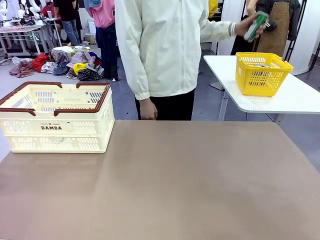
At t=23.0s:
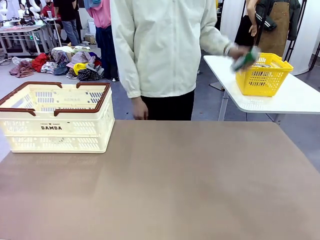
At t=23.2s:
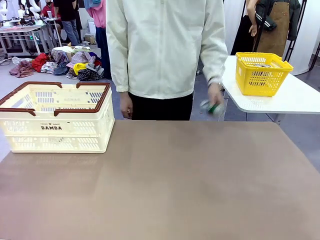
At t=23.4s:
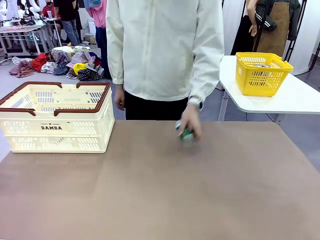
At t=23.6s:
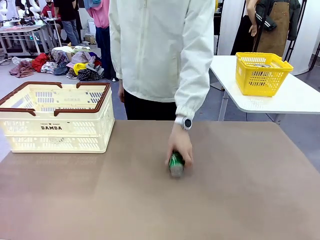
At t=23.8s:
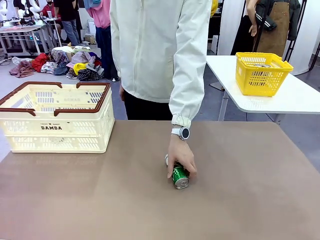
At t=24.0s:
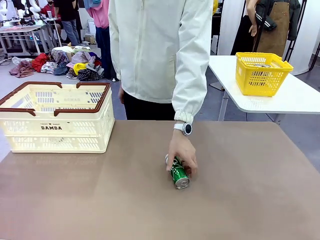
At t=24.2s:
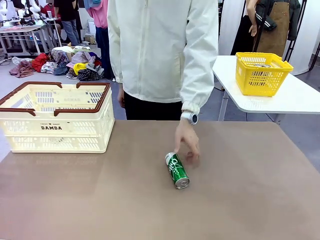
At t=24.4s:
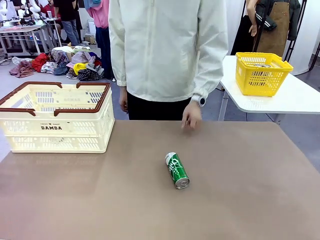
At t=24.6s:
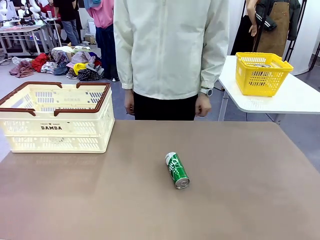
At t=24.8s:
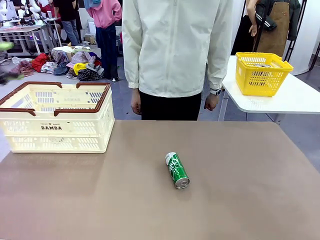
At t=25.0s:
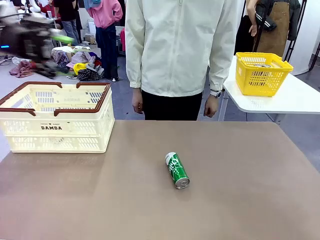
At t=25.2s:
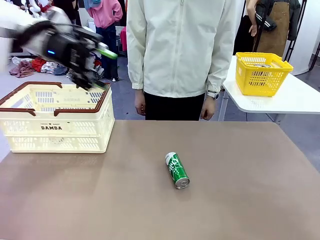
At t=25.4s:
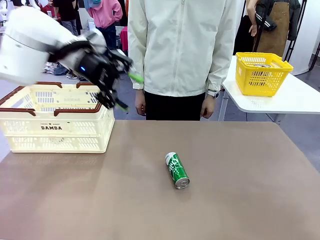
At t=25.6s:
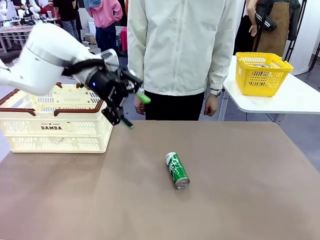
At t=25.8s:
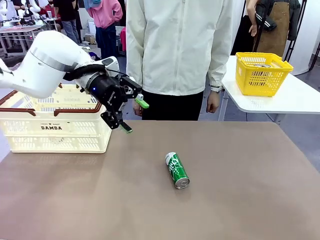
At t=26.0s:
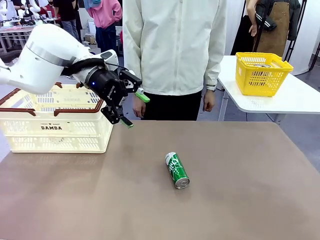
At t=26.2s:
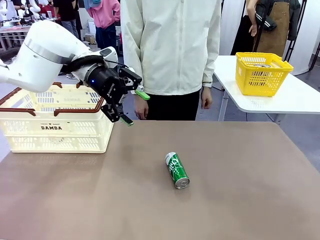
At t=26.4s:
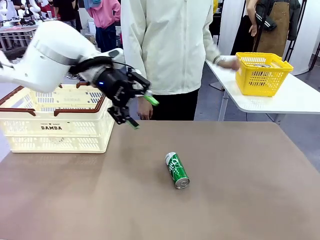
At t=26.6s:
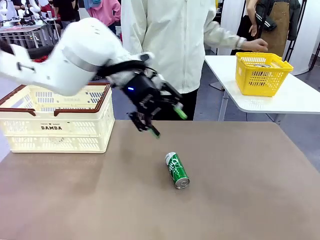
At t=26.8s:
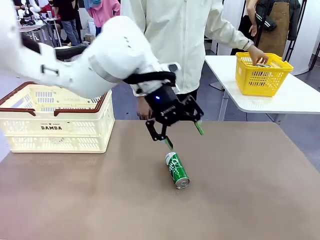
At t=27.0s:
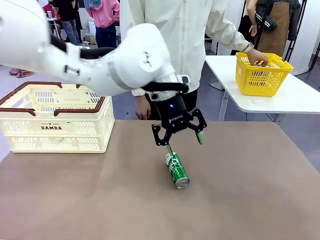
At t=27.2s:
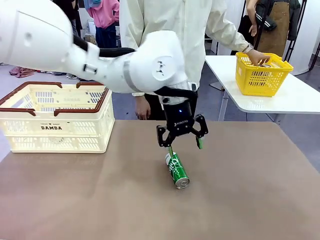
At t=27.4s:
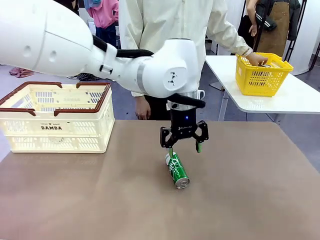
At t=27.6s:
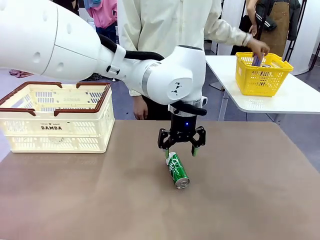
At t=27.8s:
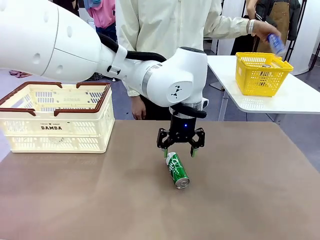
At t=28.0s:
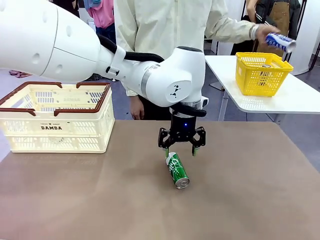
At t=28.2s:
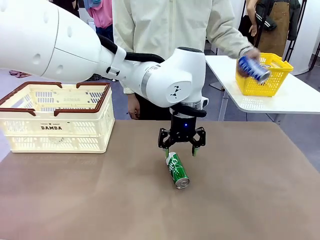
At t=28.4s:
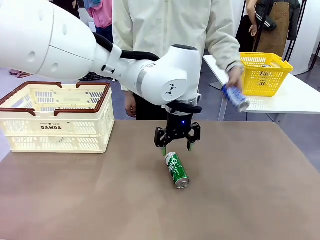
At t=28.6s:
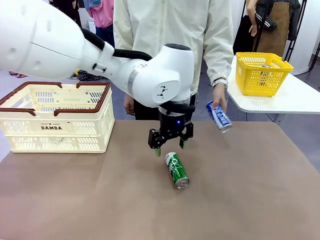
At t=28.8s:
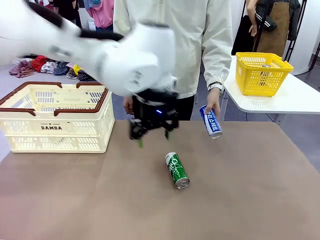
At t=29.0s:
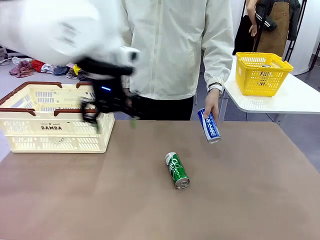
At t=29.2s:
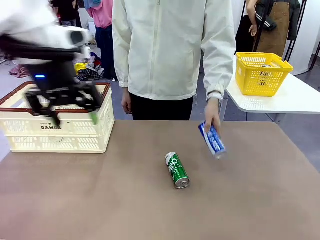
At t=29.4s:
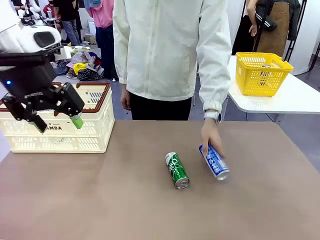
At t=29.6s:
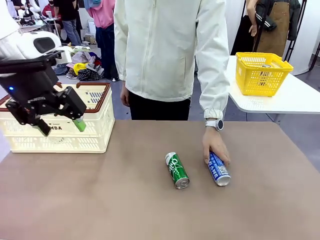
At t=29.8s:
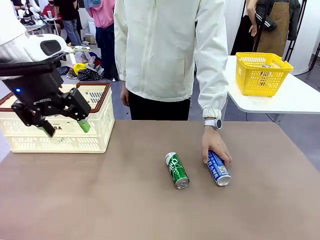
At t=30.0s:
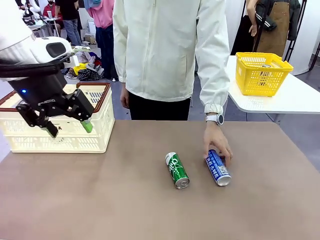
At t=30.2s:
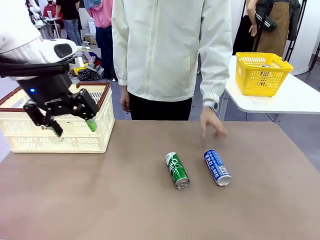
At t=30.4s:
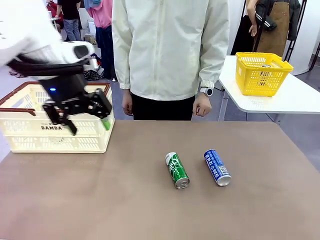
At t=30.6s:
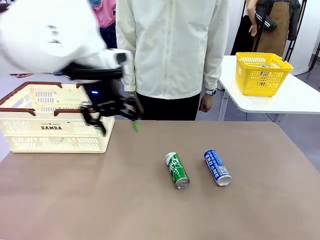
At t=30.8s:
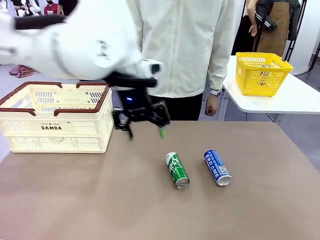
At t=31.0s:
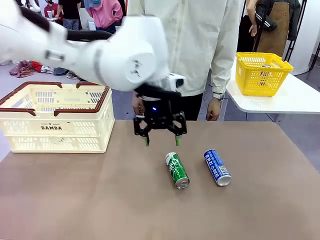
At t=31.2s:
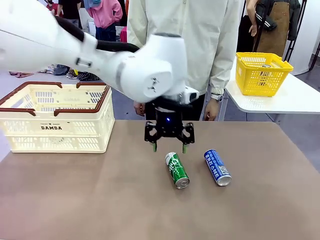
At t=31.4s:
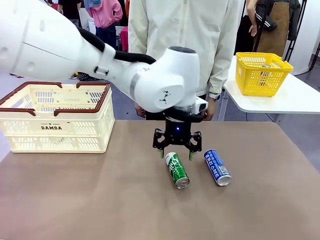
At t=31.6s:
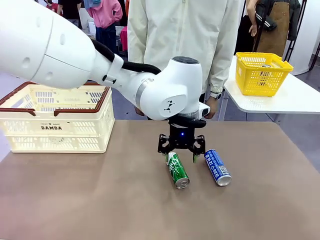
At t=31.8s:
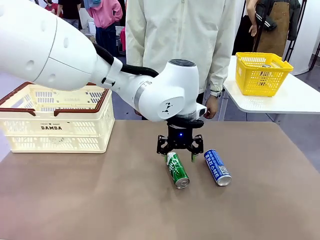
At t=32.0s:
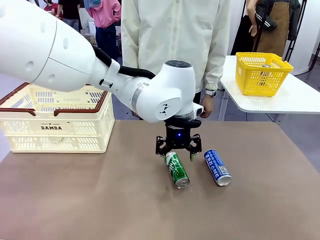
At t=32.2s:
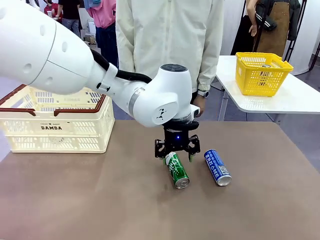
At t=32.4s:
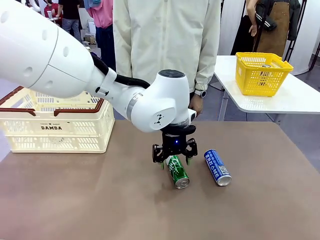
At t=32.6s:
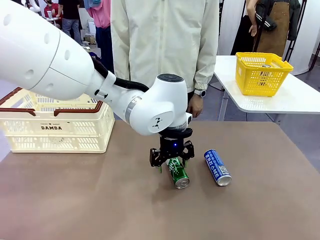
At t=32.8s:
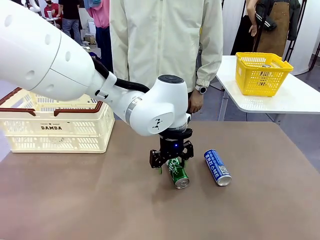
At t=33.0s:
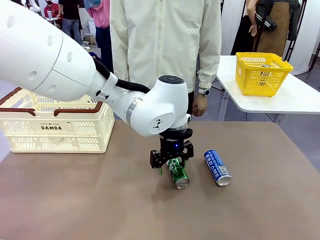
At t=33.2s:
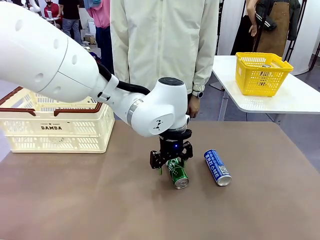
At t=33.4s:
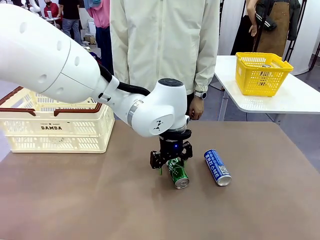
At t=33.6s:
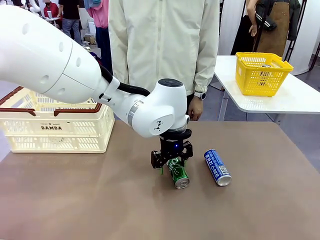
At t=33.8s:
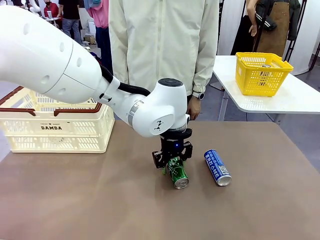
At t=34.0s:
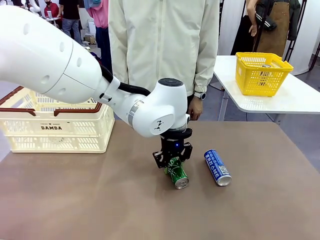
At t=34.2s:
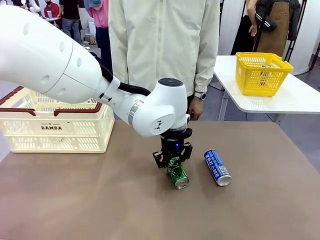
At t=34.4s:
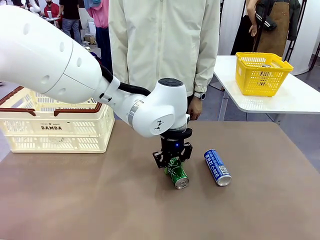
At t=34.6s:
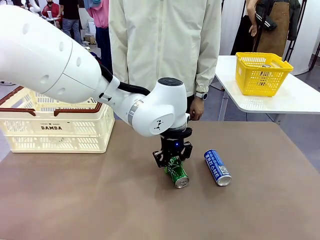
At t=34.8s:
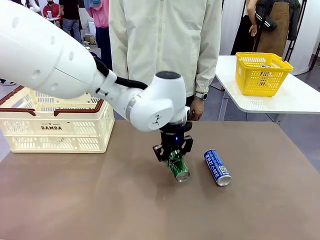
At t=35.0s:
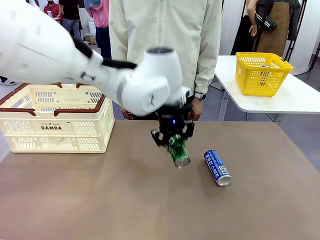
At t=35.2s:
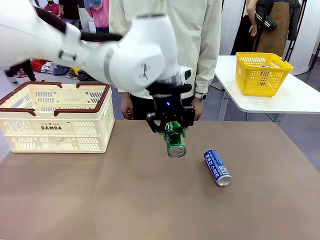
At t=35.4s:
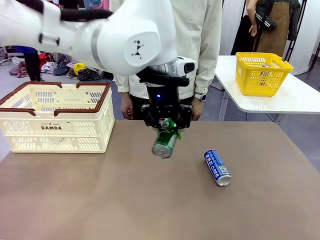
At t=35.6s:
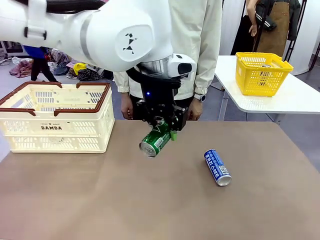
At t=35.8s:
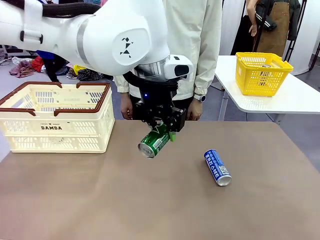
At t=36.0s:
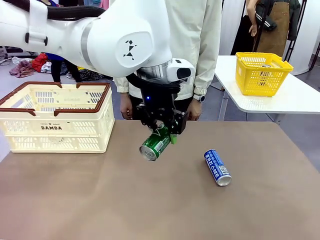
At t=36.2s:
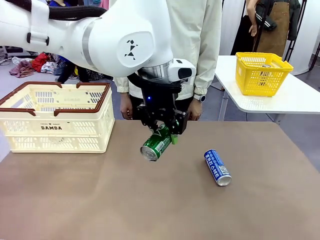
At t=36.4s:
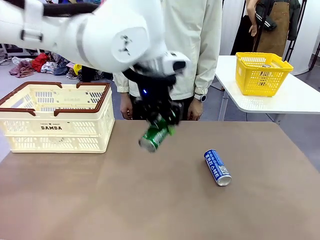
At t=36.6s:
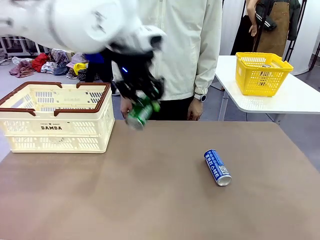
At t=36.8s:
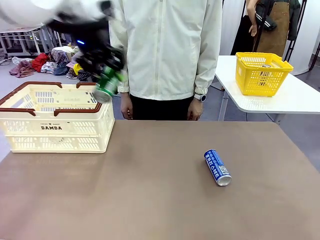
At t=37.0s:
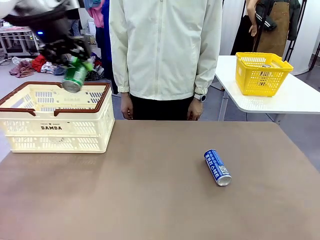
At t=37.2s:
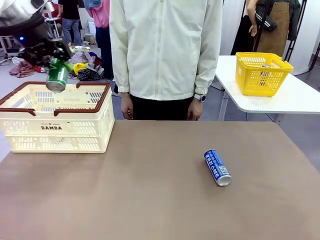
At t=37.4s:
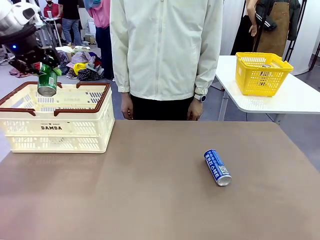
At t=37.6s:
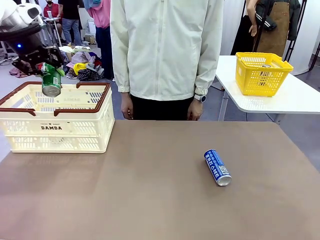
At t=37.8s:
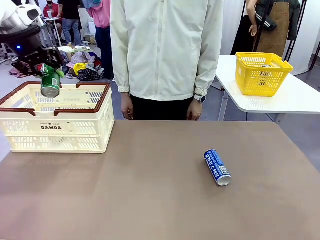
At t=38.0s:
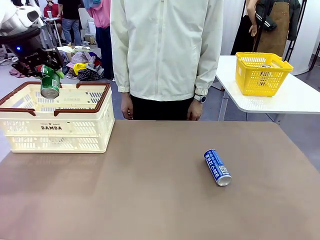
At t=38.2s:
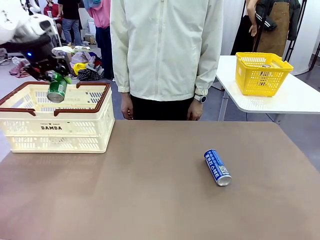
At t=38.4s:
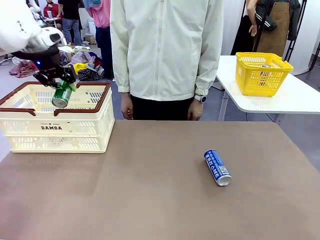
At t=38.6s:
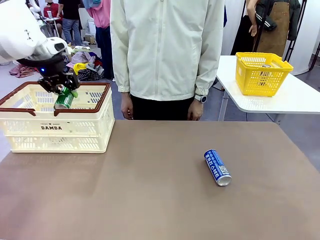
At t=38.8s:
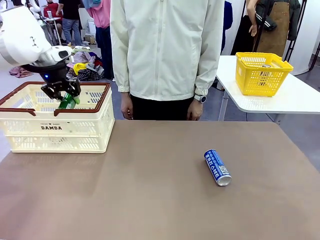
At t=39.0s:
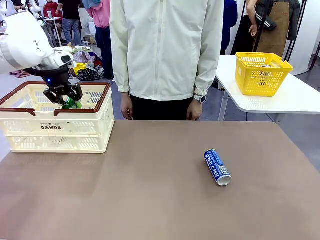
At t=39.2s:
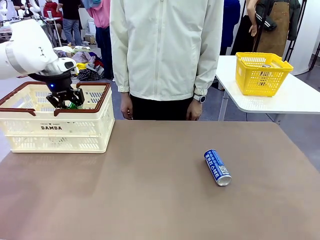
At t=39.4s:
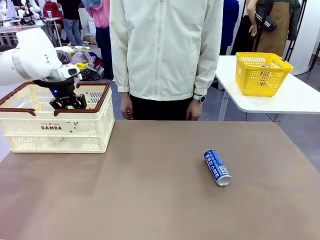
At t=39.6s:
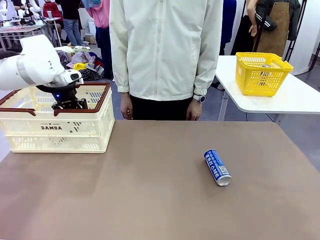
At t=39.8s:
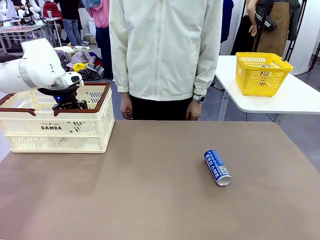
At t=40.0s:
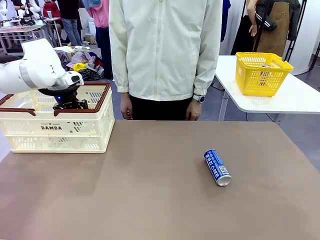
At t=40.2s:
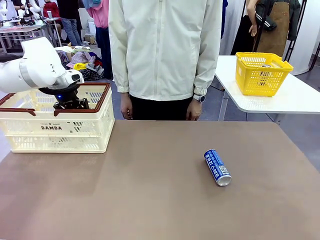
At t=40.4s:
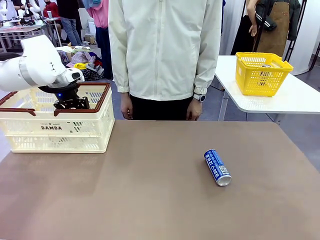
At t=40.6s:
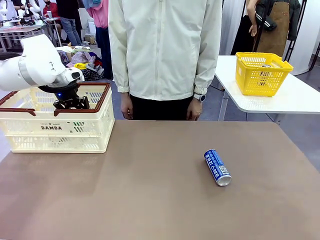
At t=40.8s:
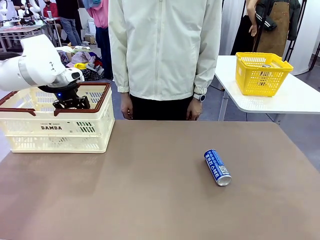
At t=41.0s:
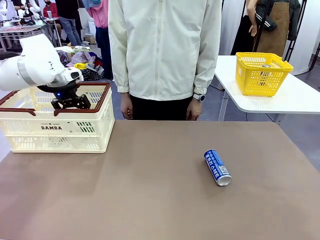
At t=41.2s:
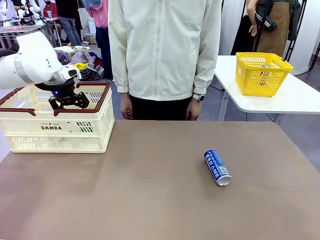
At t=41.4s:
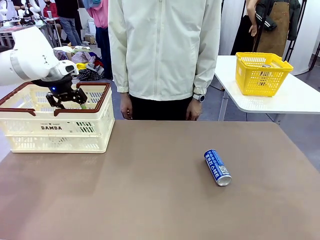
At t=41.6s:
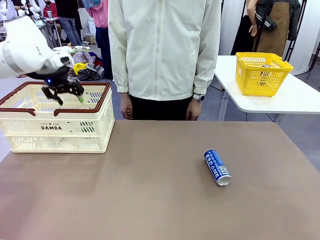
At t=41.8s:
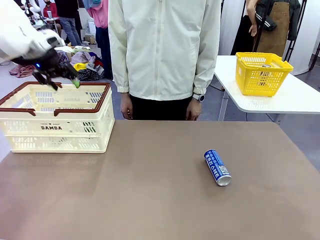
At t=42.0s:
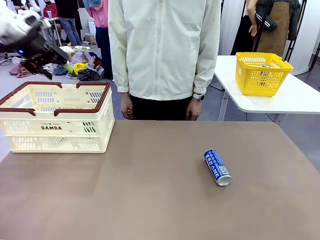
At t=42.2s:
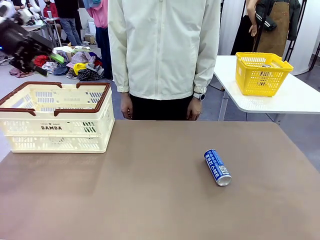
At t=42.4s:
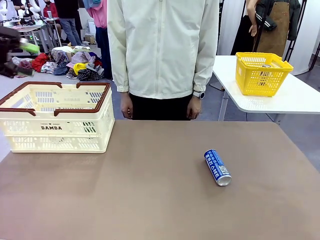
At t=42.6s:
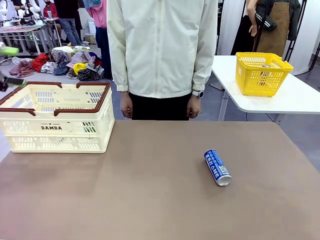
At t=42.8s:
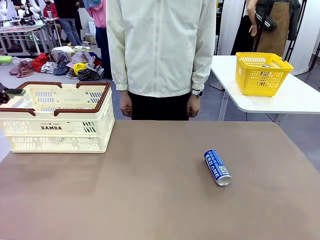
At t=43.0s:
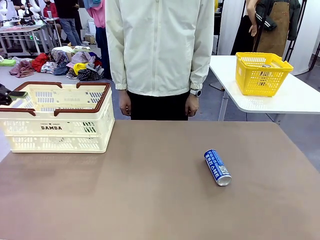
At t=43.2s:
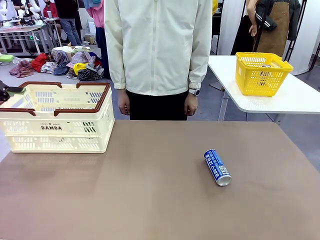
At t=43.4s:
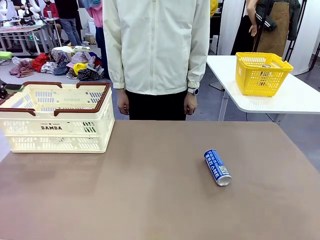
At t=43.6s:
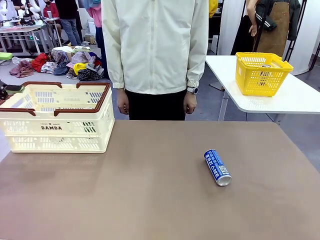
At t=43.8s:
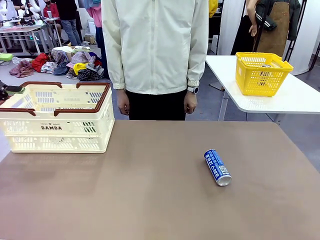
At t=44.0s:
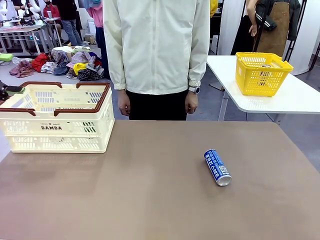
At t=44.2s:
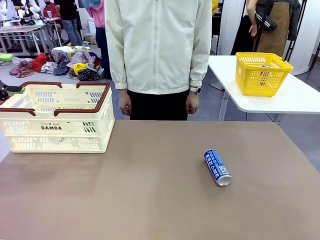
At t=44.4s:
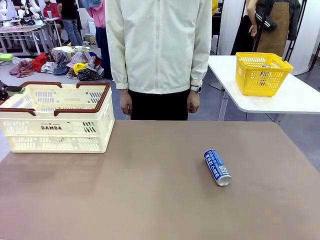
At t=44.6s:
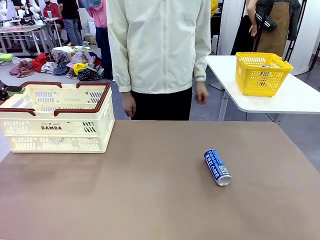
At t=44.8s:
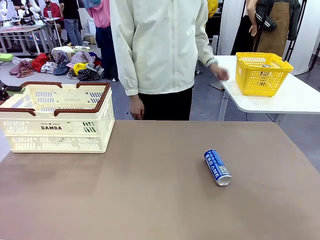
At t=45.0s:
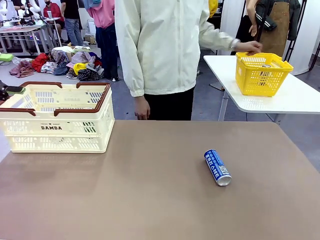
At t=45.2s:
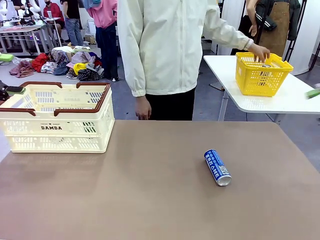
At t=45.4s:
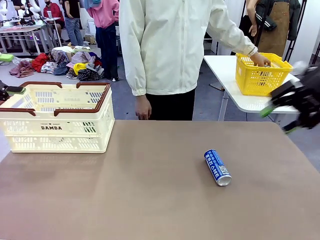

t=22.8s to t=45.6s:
Task: Place the drinks into the Shopping basket.
Robot: Pick up one drink and place it into the Shopping basket.
